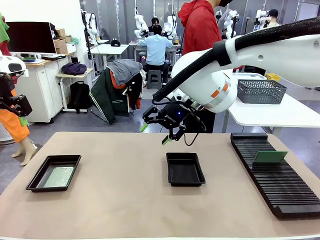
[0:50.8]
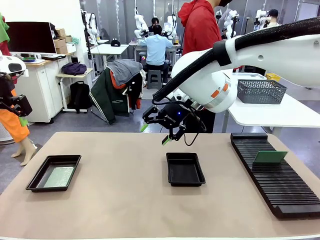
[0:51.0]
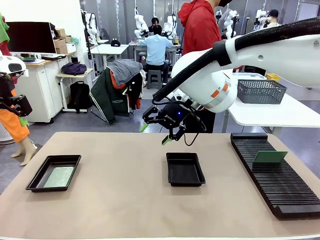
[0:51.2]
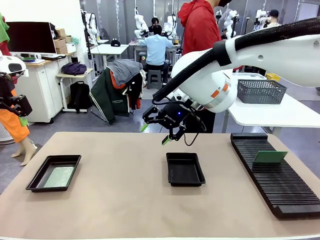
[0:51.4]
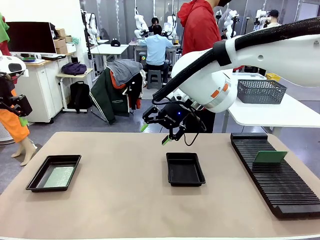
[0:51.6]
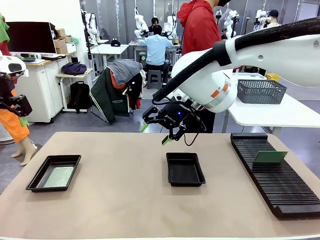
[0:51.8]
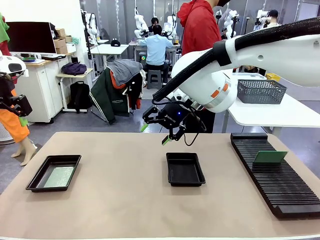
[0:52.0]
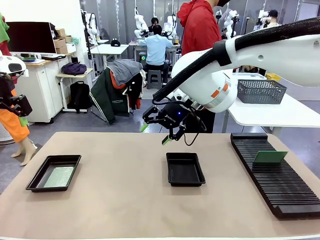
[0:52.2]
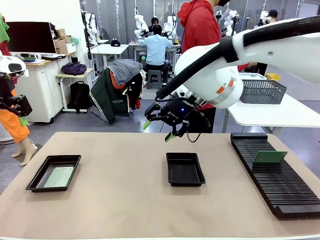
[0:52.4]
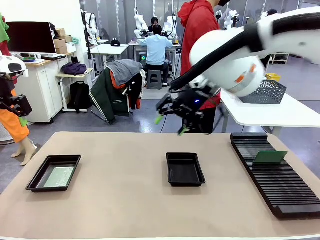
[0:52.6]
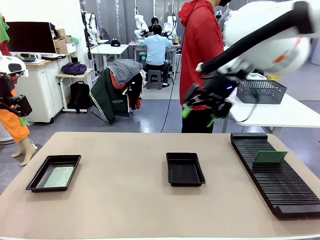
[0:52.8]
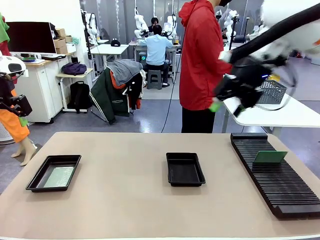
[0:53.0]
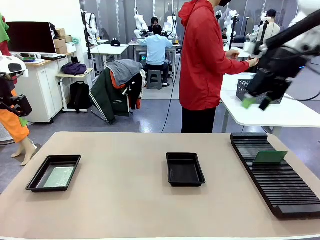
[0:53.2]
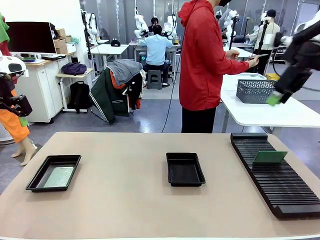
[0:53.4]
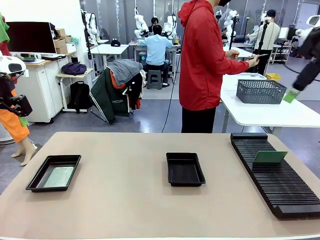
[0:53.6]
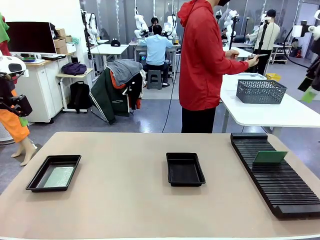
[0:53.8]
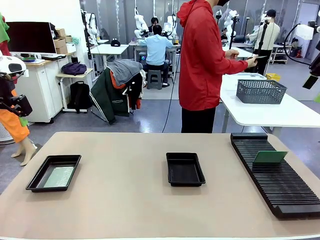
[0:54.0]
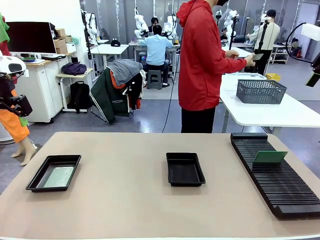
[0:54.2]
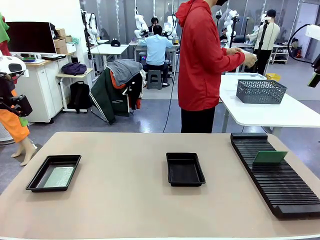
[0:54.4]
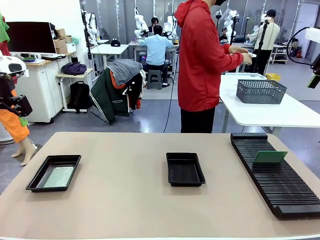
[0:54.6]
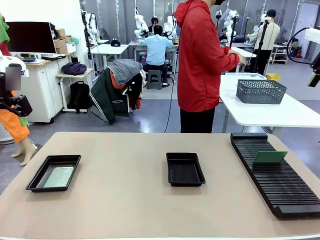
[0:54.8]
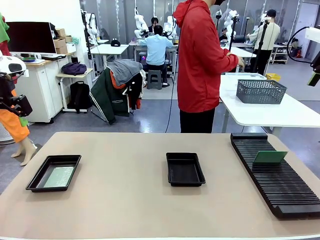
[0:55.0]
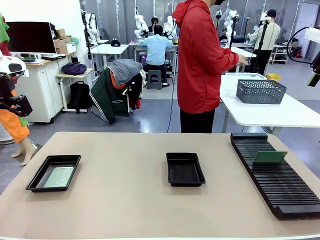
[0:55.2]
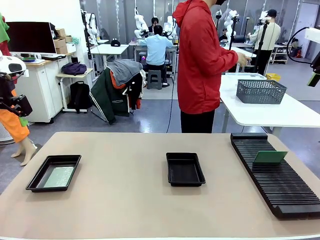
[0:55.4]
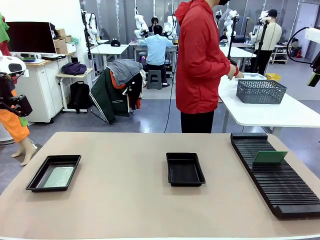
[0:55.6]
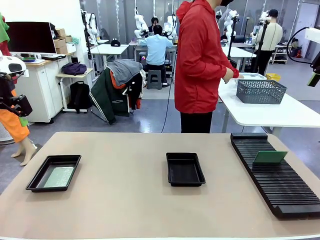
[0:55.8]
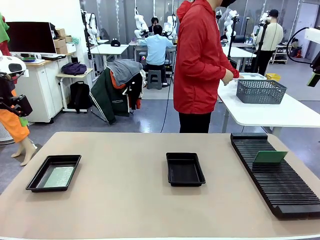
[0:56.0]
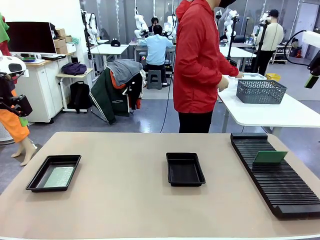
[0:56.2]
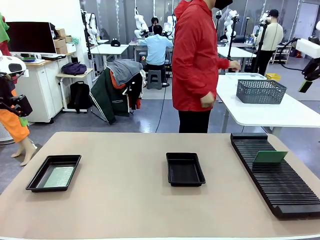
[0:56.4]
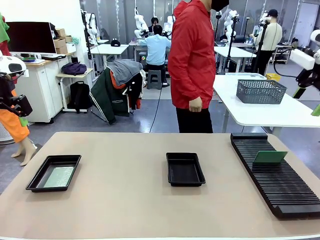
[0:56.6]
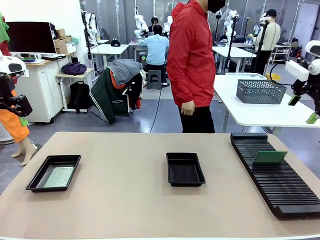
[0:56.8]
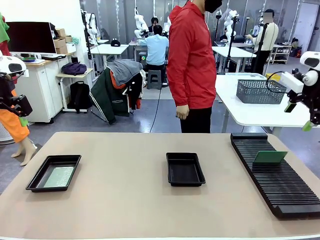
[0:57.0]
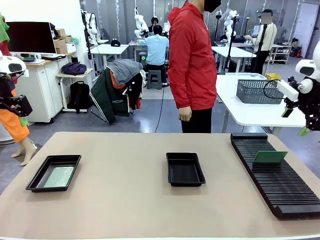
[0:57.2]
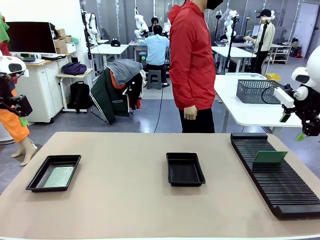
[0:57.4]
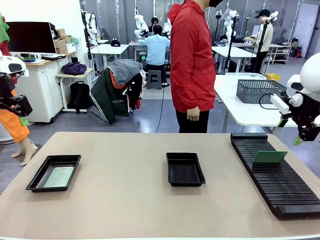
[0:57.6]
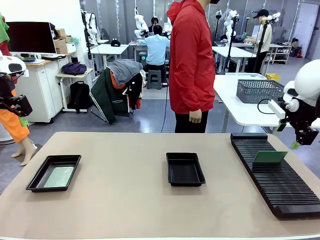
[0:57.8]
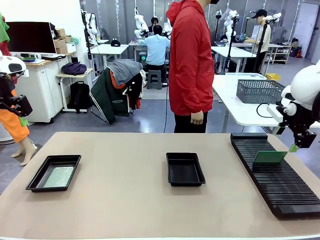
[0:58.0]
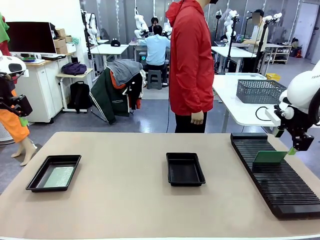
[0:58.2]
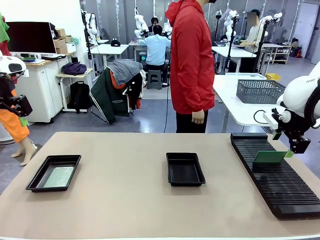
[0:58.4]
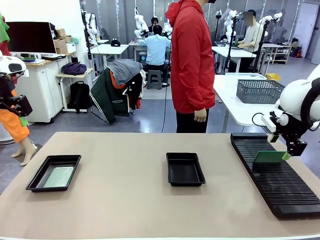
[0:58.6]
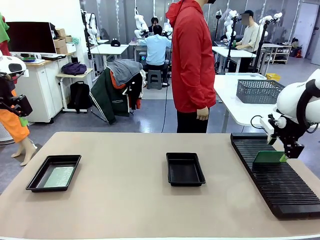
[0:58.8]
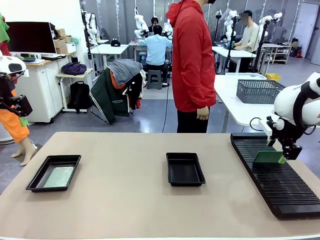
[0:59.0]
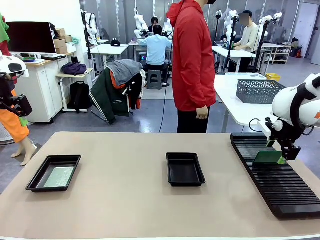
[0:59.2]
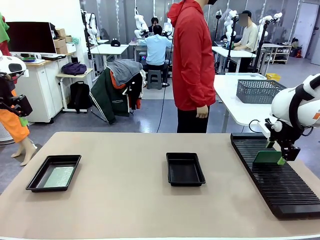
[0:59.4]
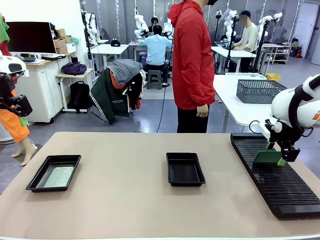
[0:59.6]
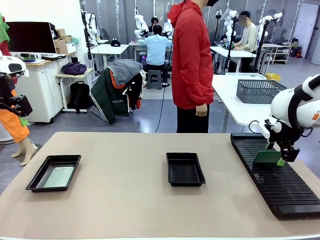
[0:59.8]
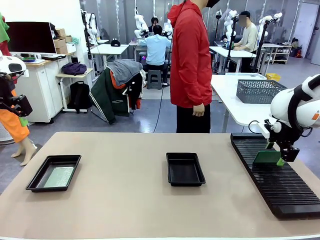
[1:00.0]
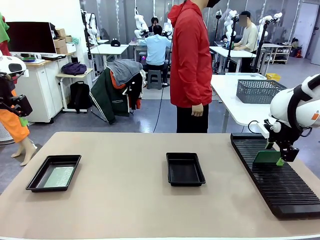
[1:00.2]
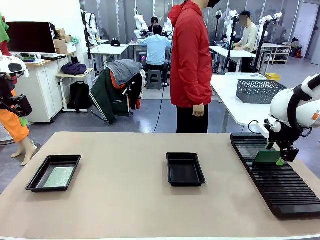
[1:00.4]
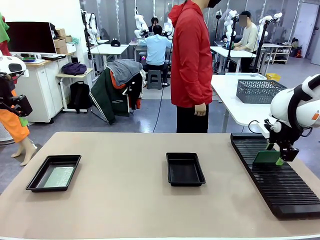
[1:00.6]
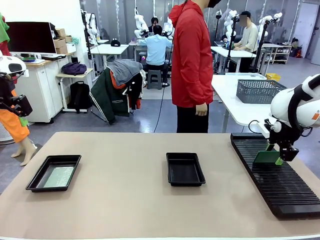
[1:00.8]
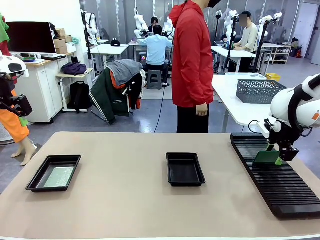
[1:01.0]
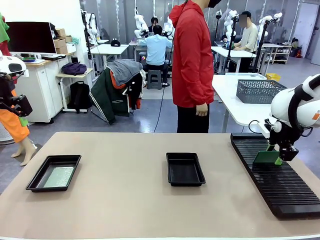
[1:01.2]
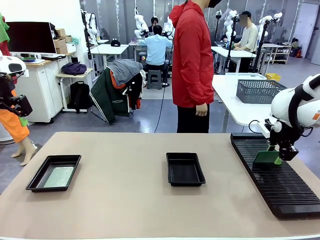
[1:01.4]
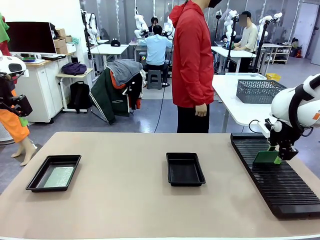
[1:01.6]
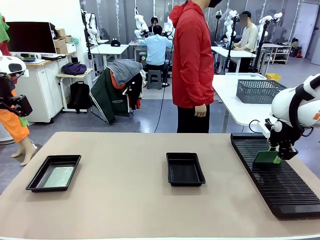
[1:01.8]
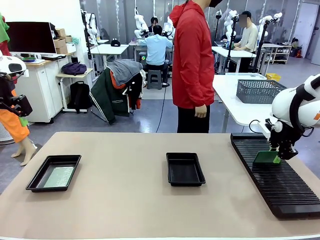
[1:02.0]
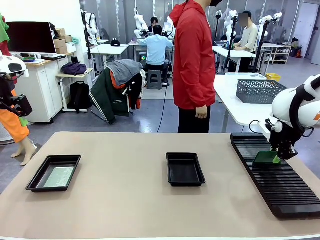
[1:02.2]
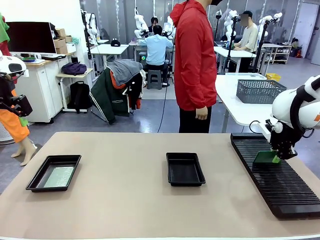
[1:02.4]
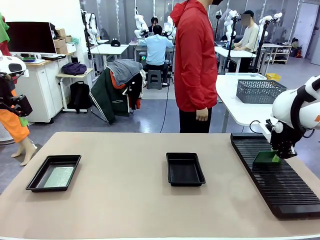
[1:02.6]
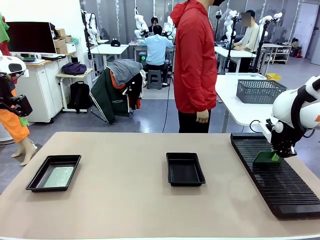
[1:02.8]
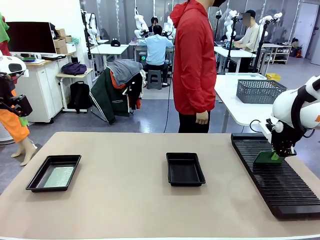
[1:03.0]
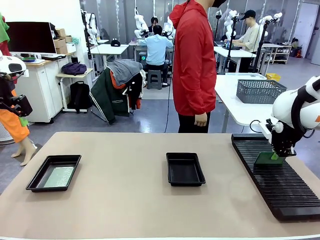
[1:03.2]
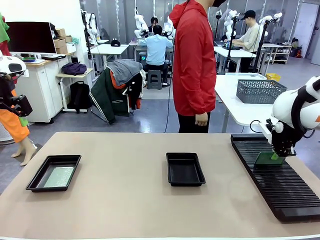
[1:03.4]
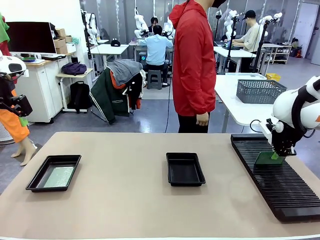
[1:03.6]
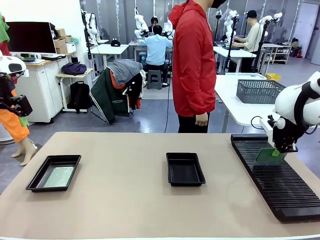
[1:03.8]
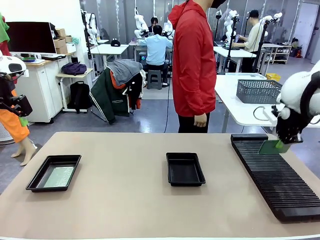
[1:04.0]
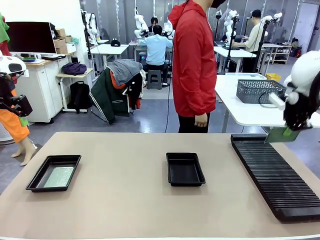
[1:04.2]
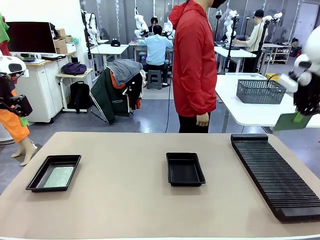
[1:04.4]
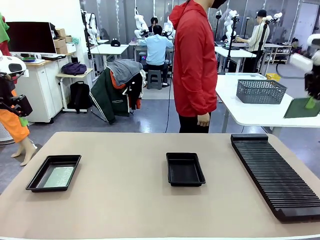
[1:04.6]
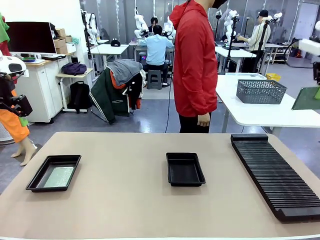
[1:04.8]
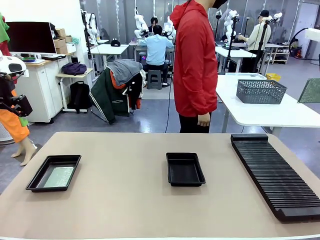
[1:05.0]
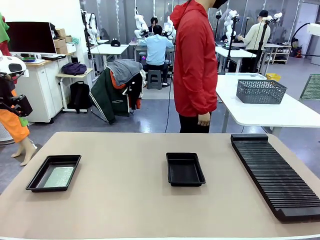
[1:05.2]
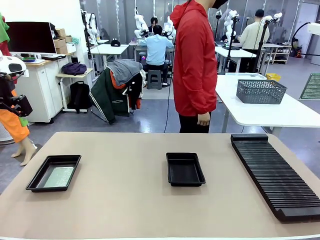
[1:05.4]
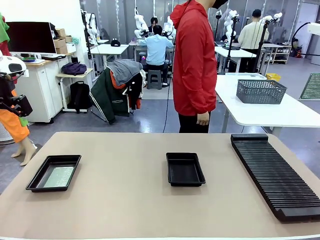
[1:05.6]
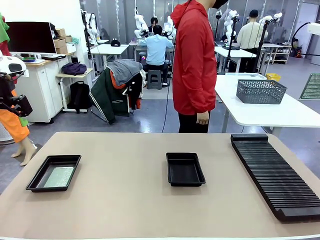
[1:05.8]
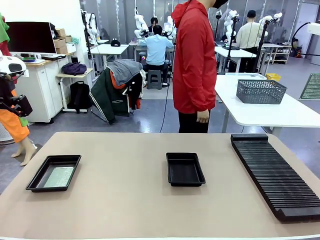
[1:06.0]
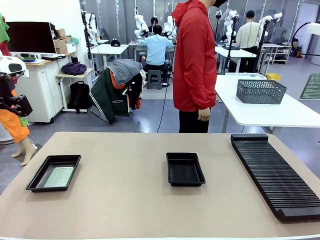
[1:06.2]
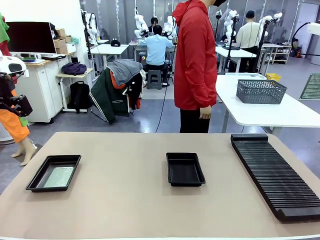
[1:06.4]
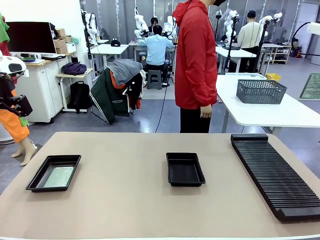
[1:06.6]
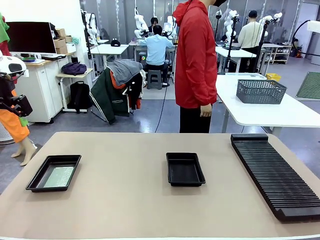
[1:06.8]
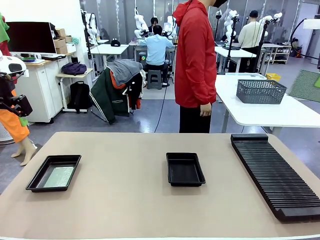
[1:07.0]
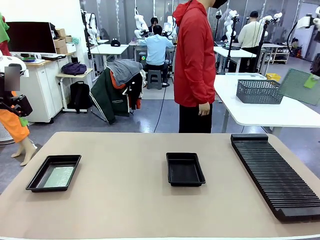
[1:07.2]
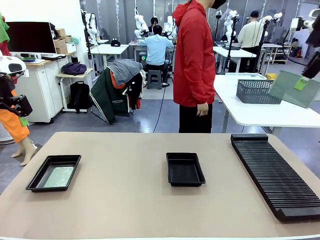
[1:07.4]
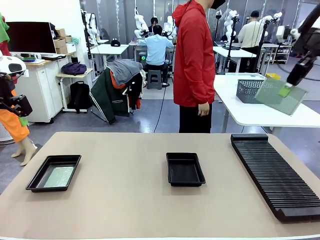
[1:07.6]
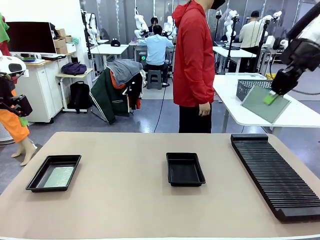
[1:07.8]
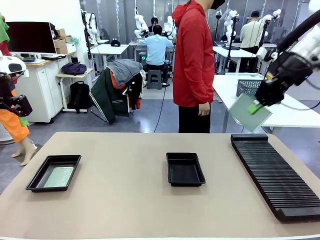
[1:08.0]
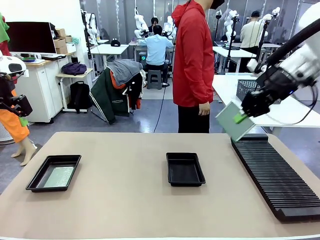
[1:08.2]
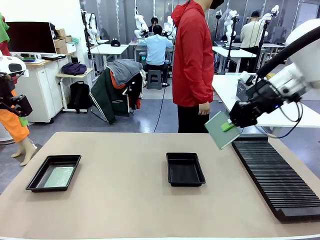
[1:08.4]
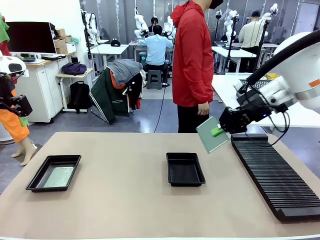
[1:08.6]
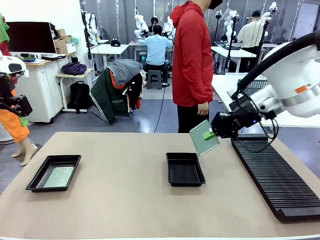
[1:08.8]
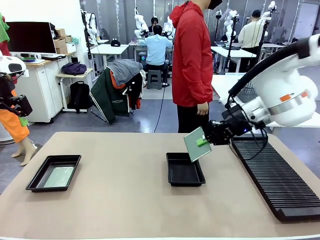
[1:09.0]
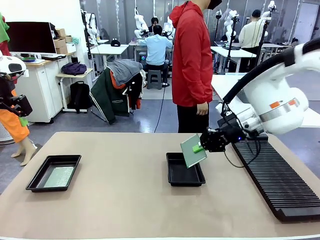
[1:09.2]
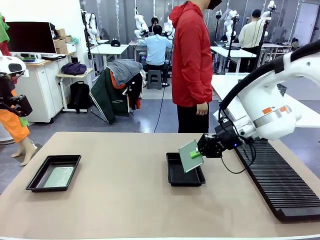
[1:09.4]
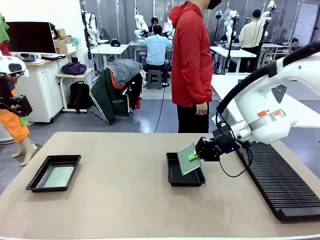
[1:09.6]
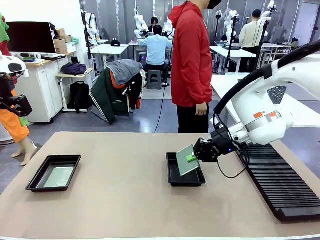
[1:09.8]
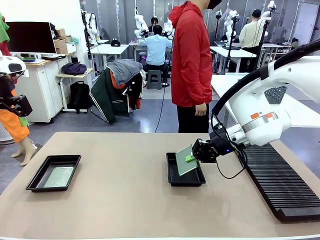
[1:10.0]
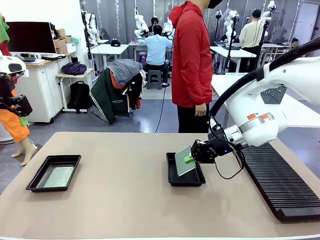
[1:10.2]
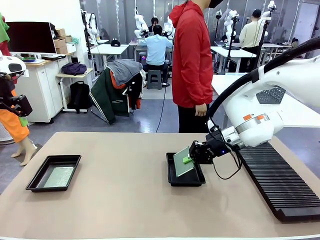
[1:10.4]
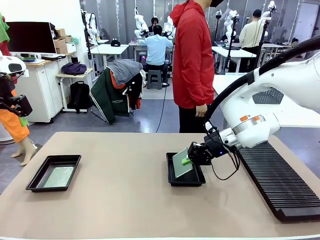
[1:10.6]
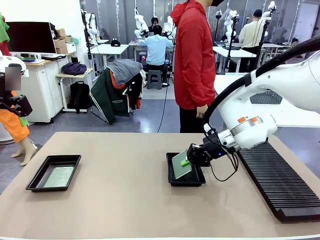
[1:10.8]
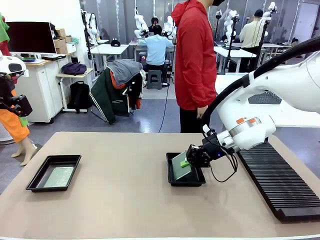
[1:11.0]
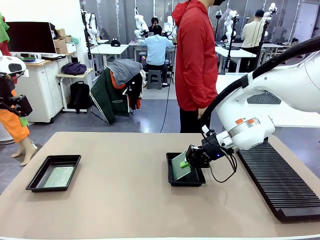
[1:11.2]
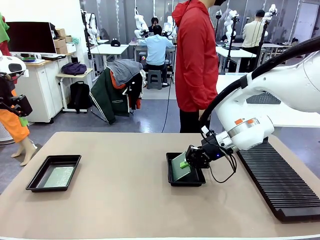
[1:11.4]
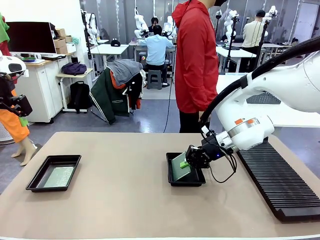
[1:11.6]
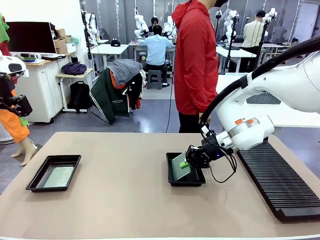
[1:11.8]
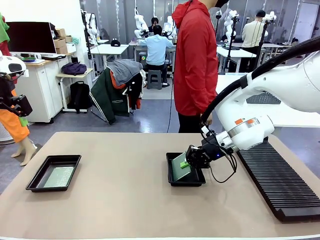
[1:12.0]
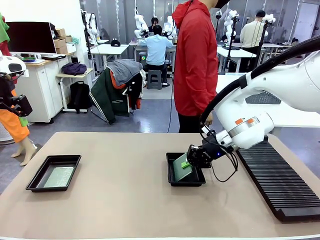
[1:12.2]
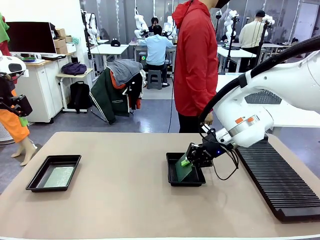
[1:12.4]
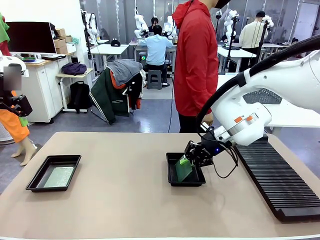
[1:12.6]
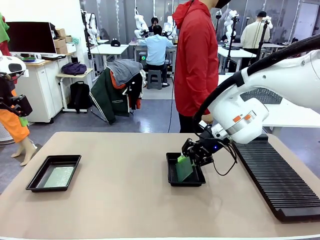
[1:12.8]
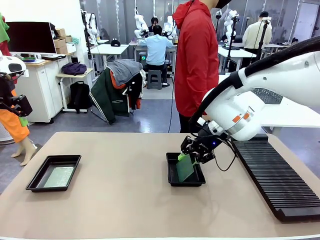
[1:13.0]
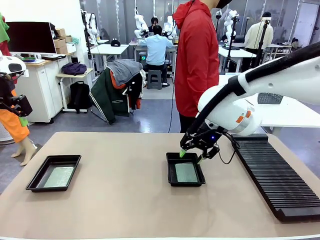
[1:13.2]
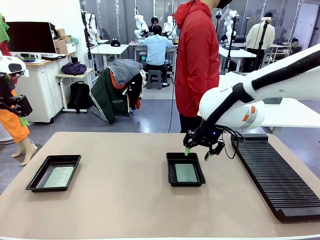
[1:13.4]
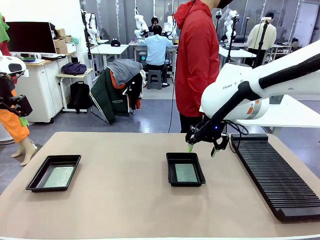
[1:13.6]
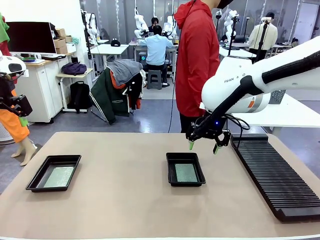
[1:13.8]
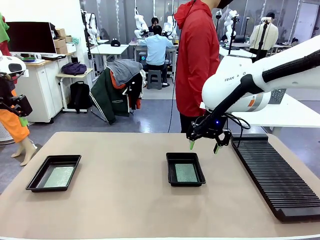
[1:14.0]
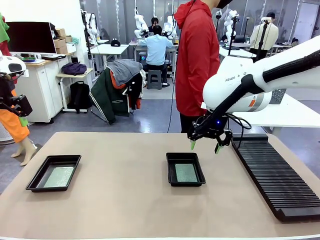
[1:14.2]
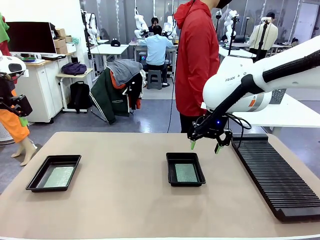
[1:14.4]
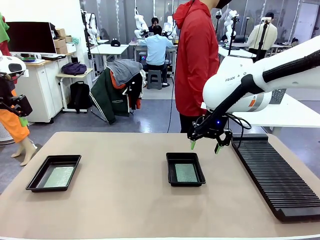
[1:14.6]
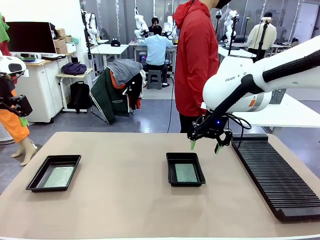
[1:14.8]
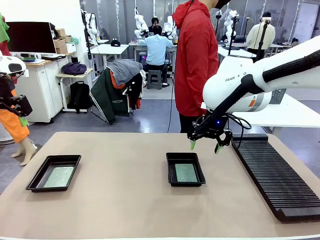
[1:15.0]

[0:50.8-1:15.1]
Task: Inspect and transfer BCBs to ESD trays.
Robot: Pick up the Blank PCB from the PCB Rack and place it in the right ESD tray.
